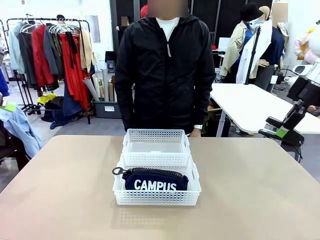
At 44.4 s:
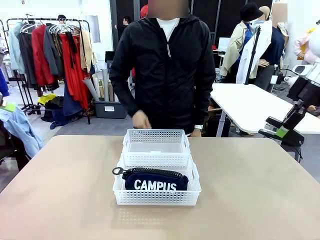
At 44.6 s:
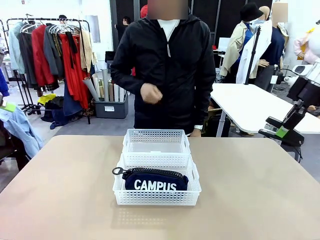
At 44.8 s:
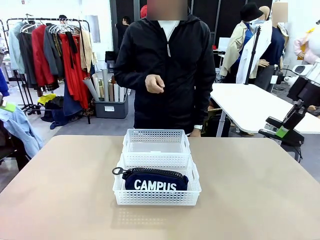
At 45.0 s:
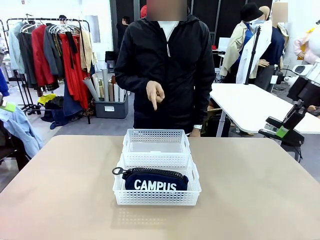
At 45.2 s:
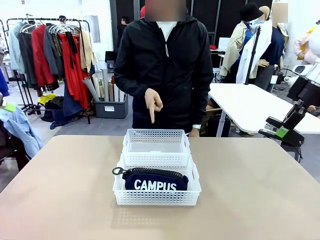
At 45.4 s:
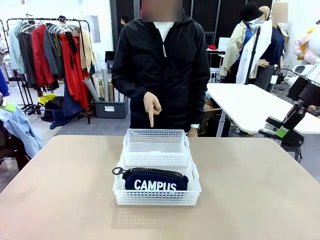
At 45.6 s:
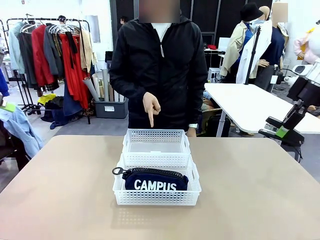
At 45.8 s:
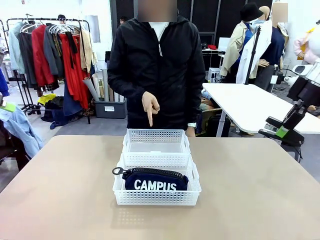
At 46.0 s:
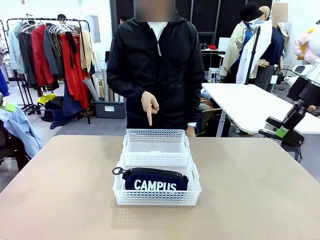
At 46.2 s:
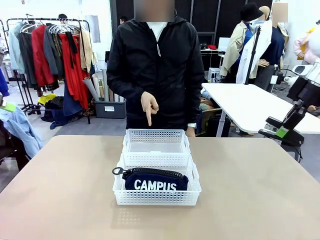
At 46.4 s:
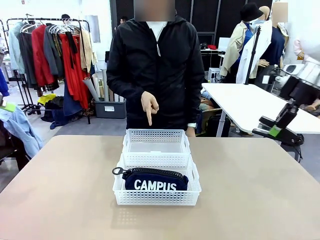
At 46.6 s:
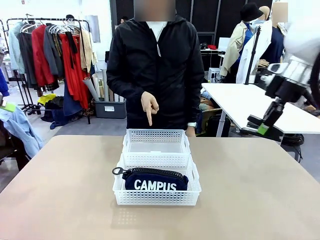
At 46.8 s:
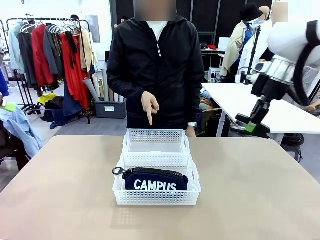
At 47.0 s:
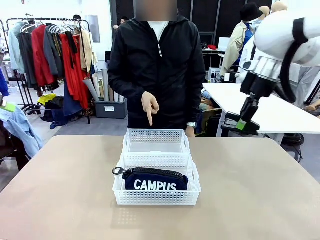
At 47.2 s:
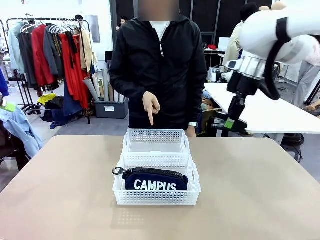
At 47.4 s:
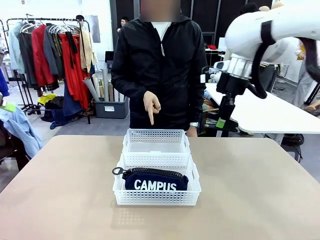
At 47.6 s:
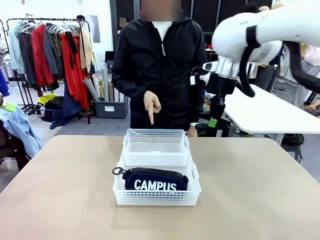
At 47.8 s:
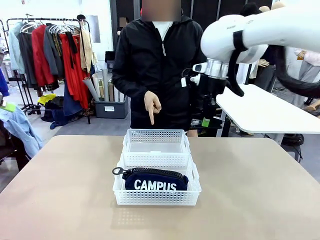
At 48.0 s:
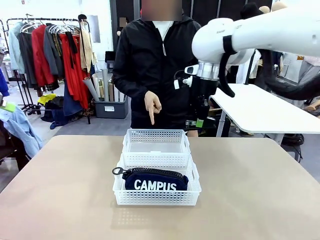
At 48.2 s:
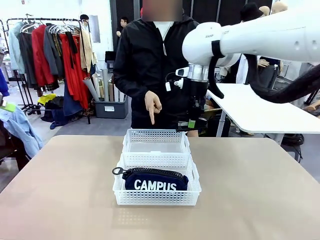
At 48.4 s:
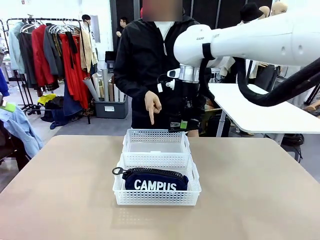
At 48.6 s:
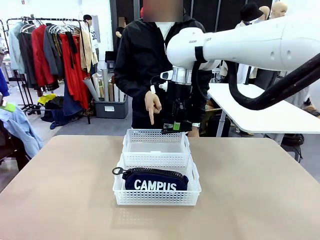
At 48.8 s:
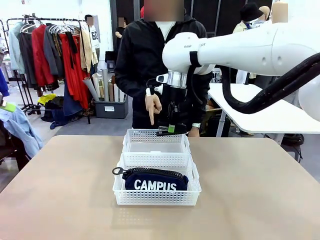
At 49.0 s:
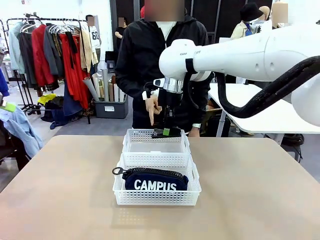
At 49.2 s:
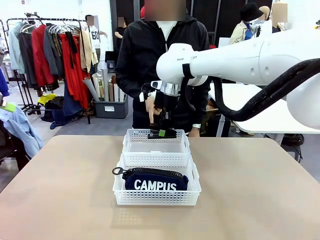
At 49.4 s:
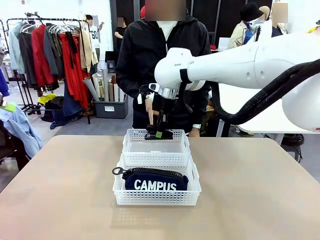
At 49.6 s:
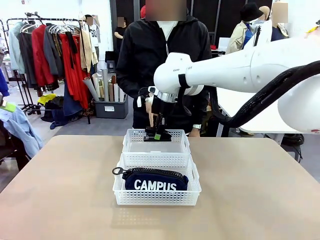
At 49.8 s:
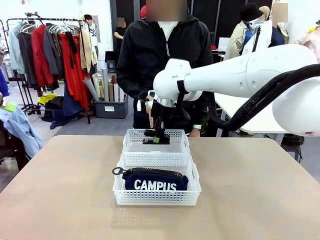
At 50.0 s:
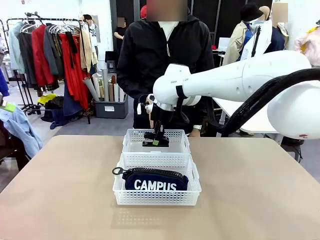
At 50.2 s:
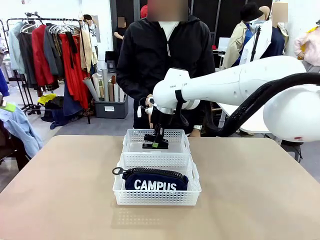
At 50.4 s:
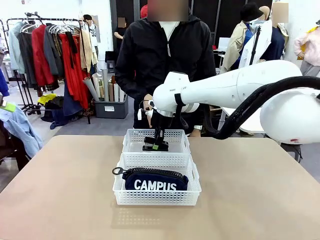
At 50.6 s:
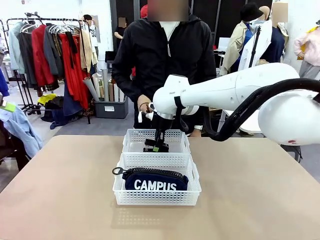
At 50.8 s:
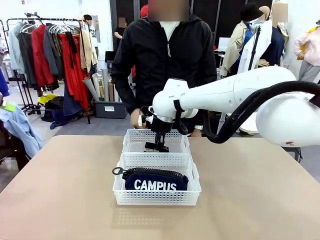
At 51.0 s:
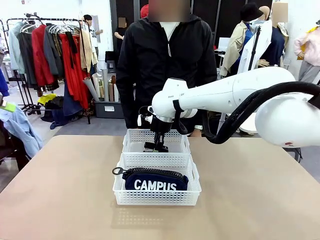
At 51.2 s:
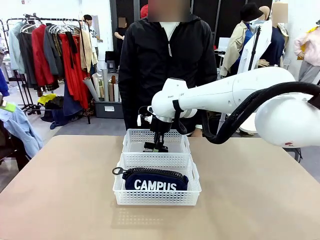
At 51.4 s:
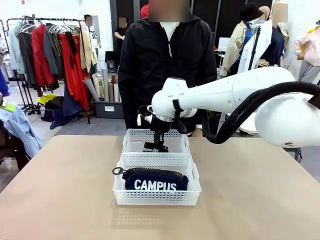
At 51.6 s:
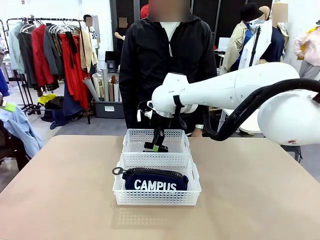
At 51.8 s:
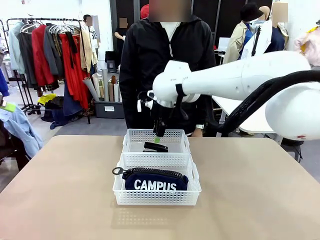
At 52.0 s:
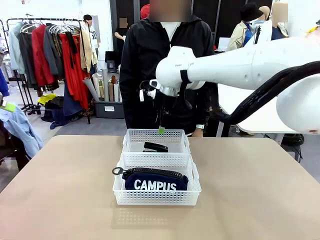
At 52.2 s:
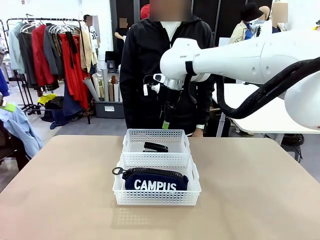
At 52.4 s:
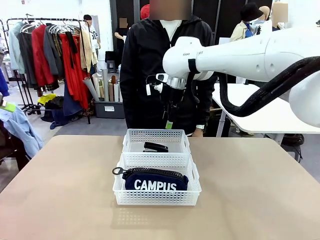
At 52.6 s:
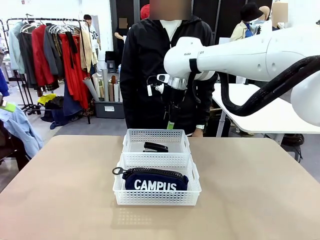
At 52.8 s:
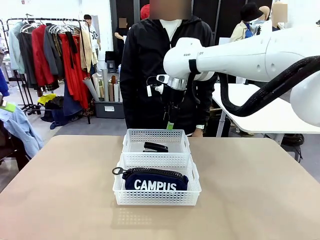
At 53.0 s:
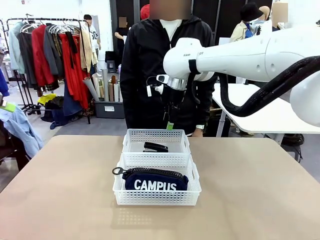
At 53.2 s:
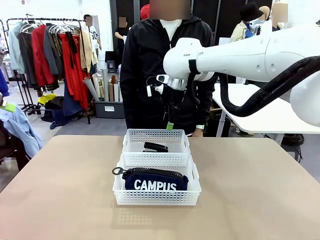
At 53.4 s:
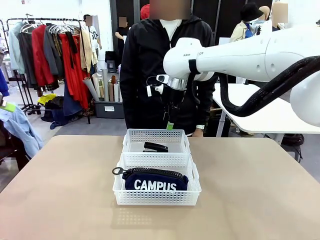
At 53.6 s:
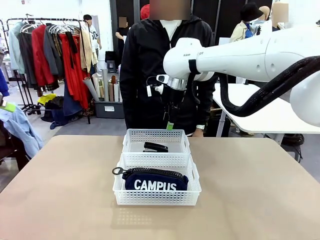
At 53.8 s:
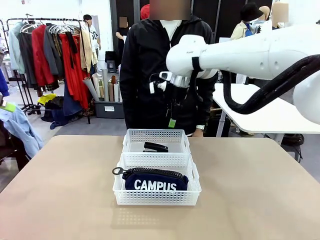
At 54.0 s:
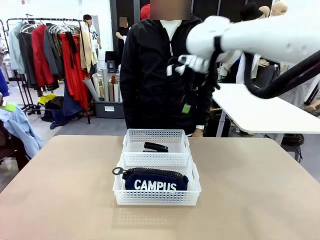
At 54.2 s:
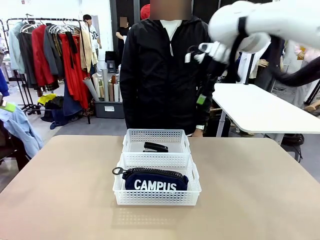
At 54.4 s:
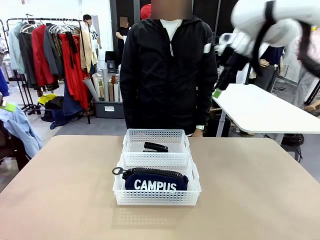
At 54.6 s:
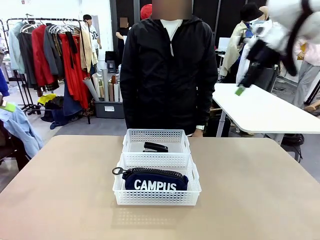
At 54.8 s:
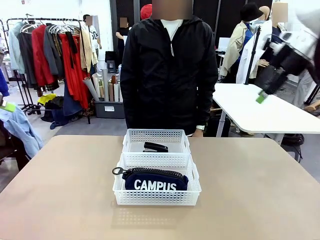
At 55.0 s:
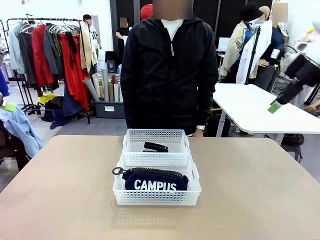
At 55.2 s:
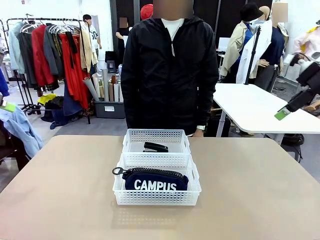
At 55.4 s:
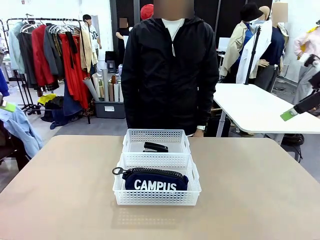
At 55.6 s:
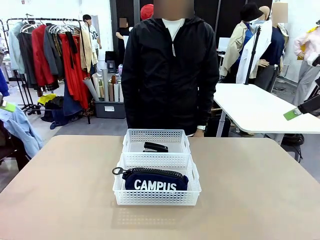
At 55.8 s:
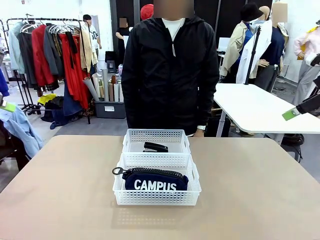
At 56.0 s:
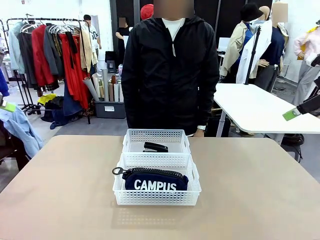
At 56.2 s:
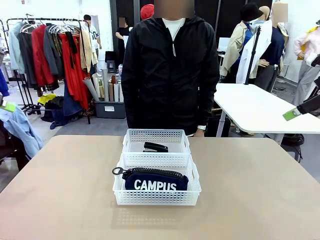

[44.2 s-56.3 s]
Task: Distribute items into two baskets.
Robot: Place the picked Stapler into the Organizing basket as instructed by the person.
Person: Points to the basket that does not contain the pencil case and instructs the robot to move the stapler there.
